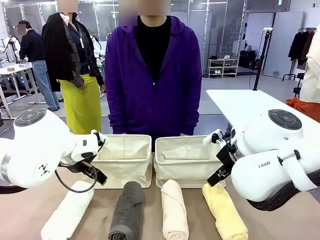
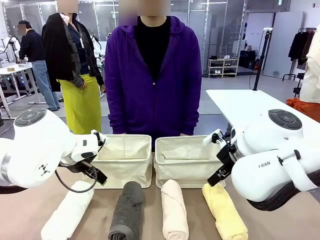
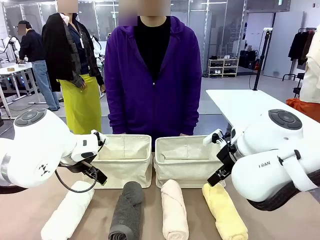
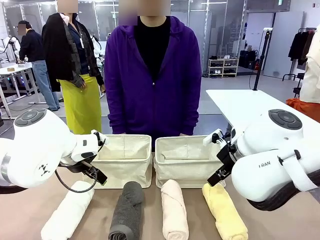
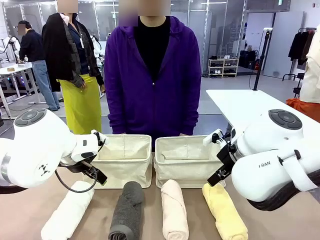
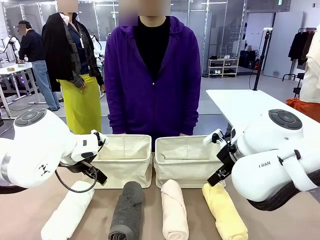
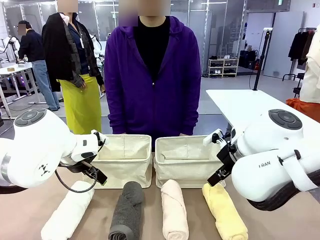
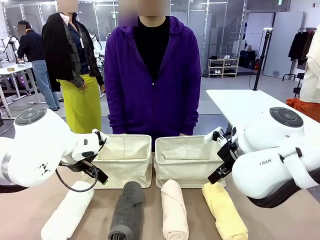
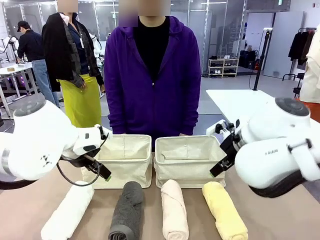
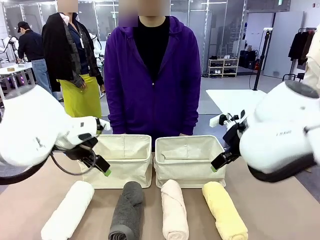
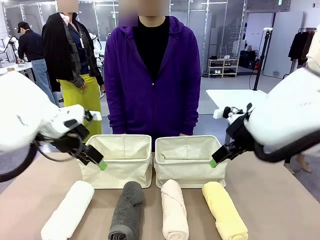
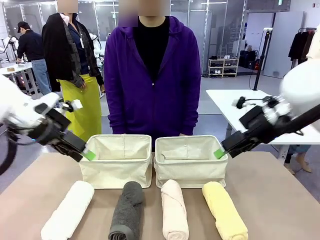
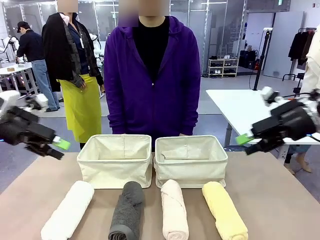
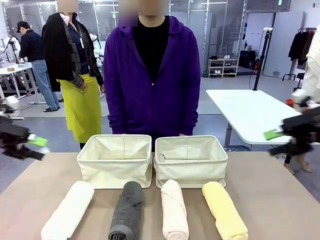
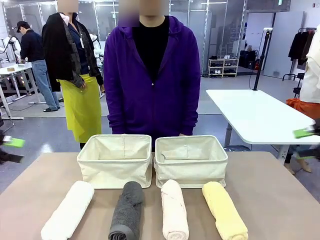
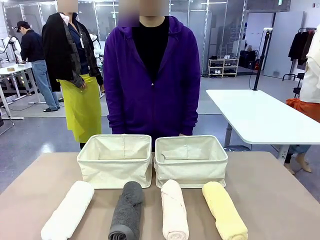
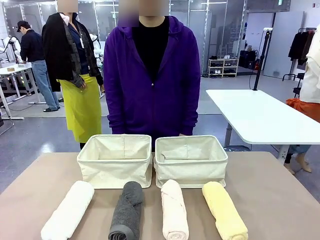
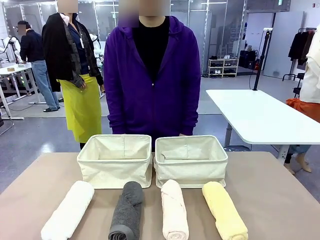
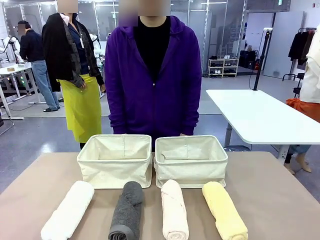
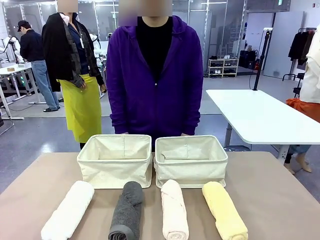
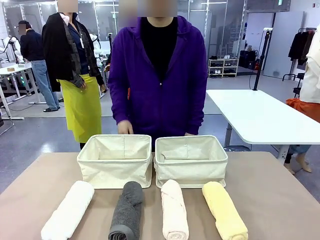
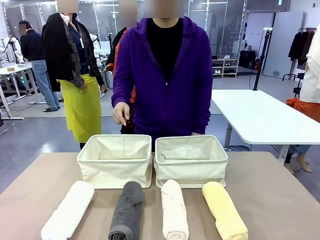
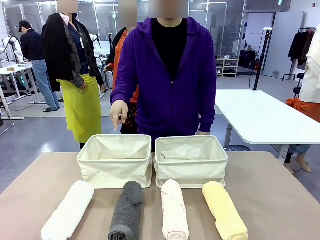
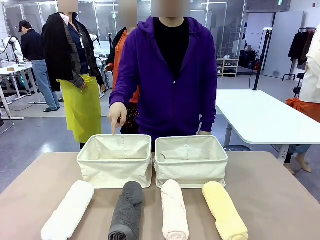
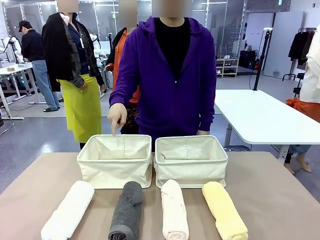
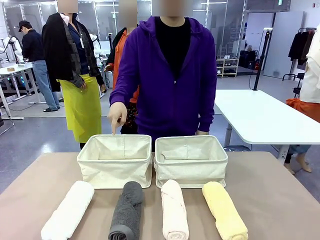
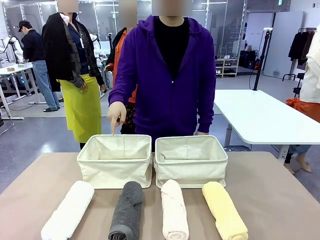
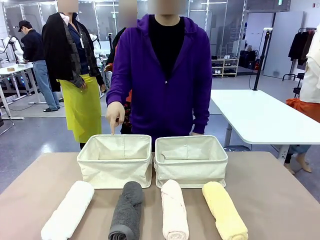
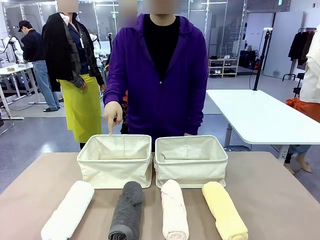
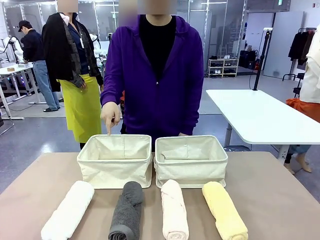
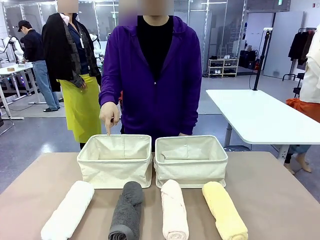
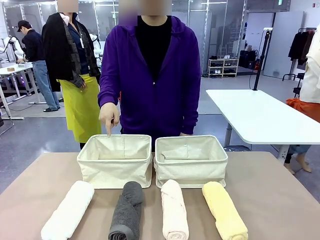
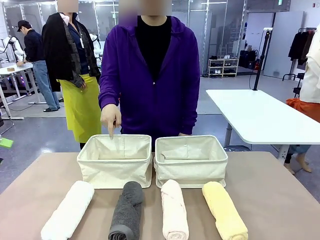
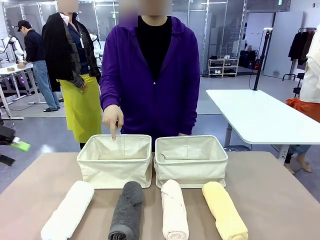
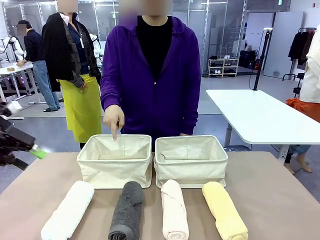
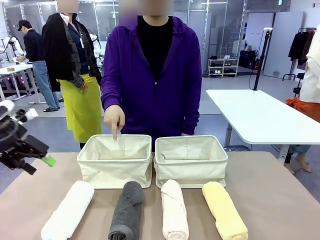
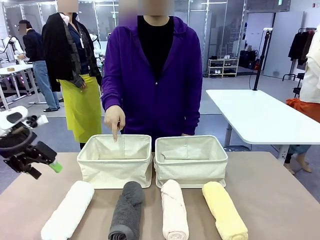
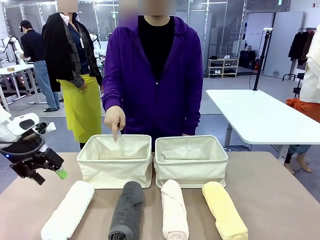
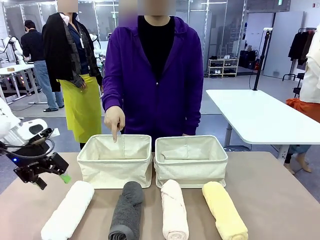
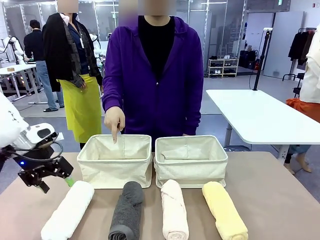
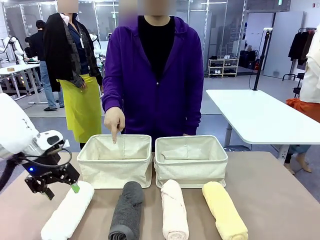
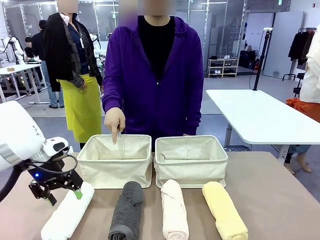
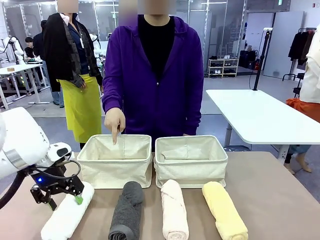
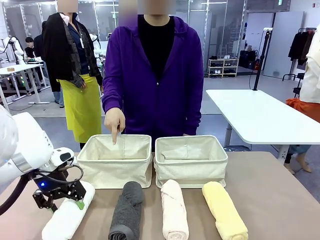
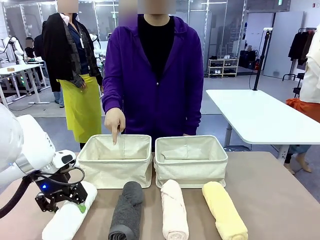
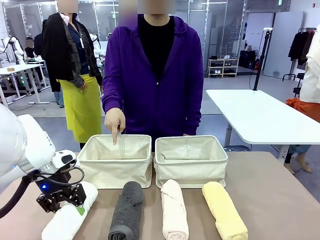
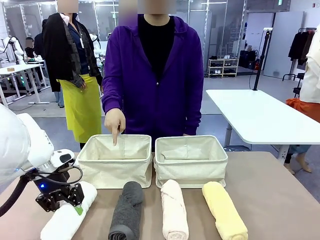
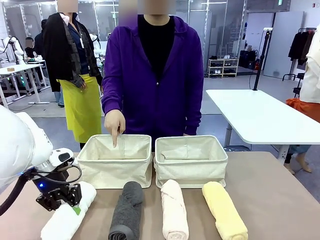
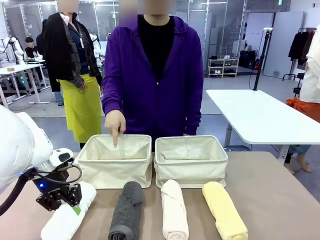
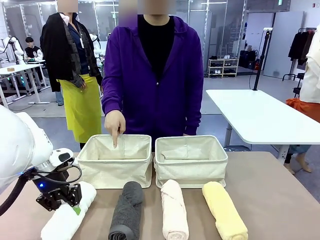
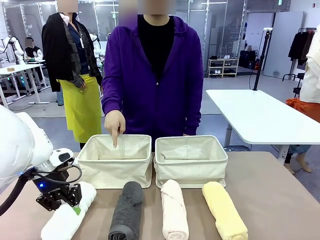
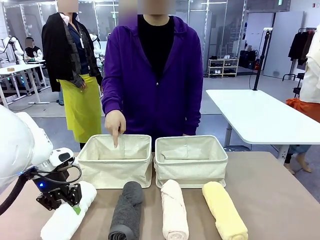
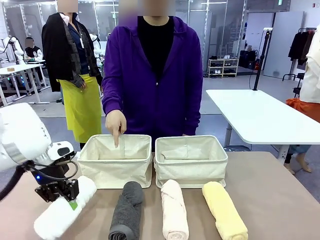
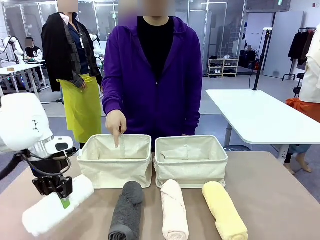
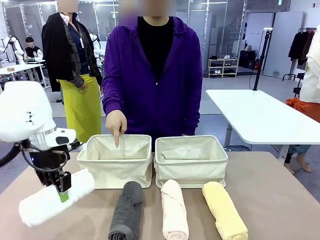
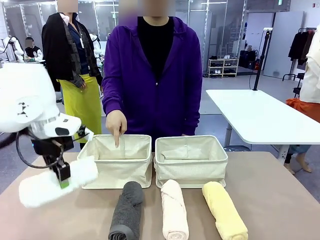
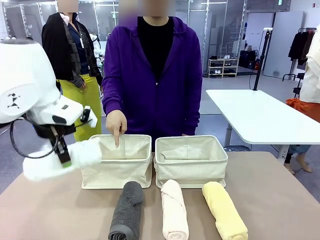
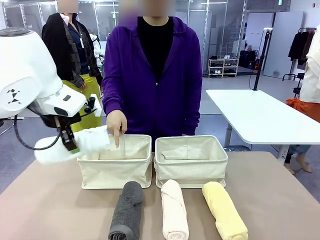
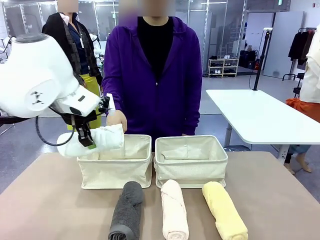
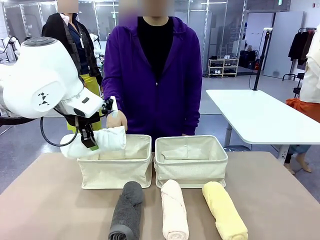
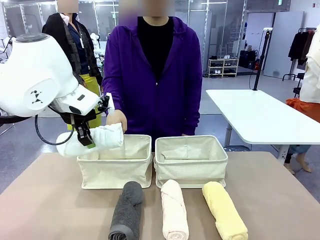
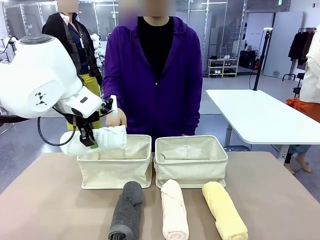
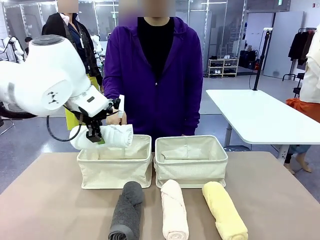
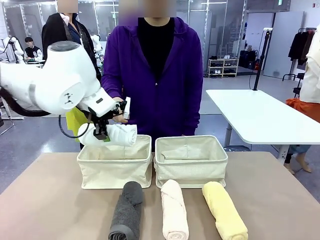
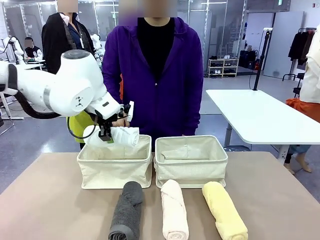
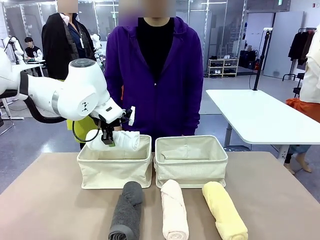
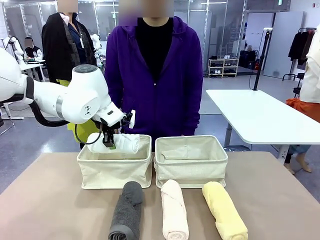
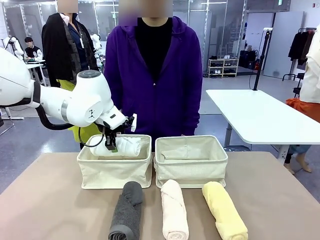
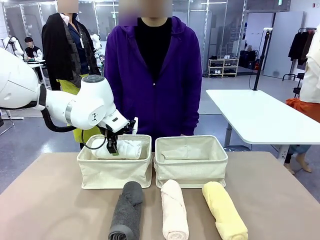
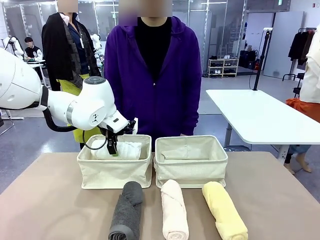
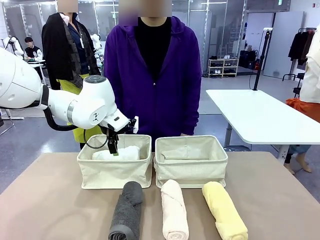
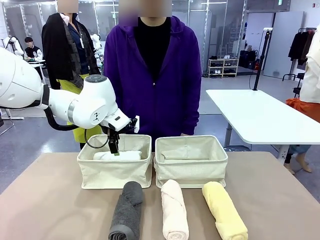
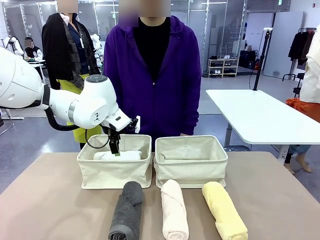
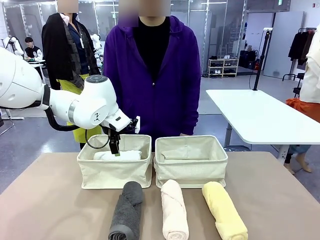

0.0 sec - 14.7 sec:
Task: Divide the towels into two baskets.
Robot: Pick up one hotel-folded towel and place it in the Fabric basket indicated by the person.
